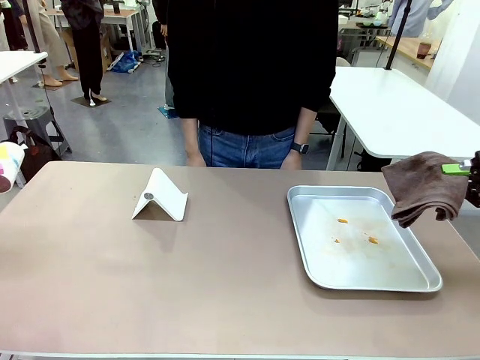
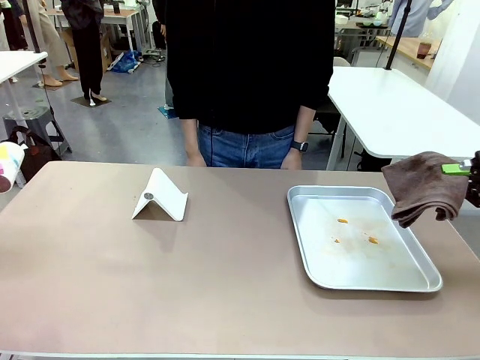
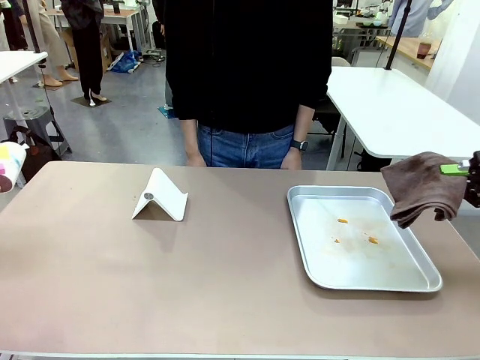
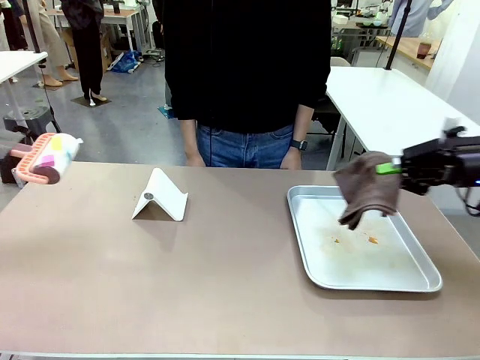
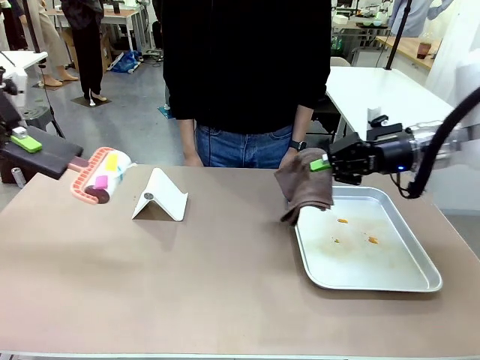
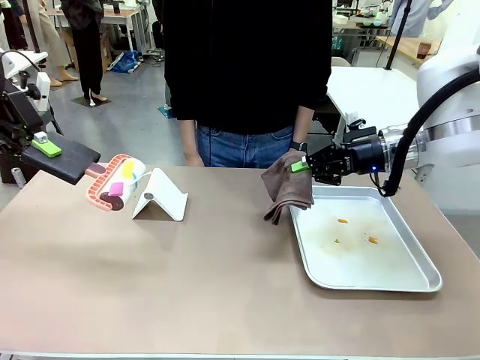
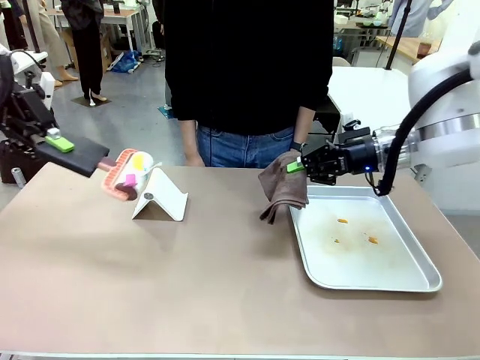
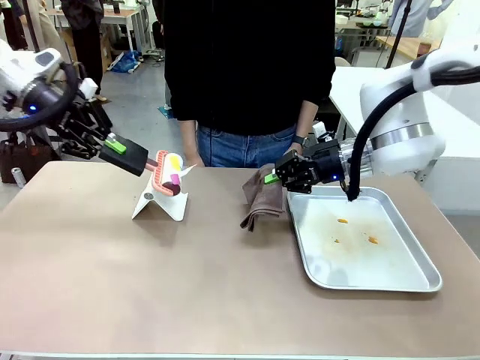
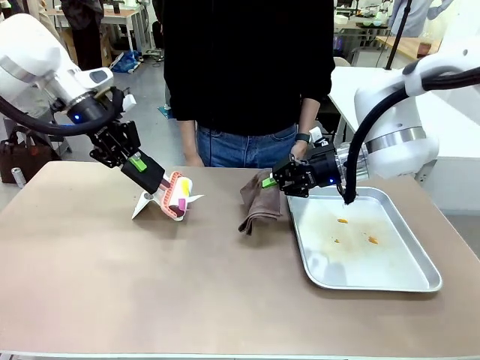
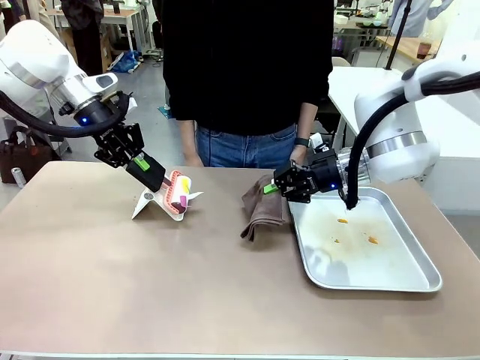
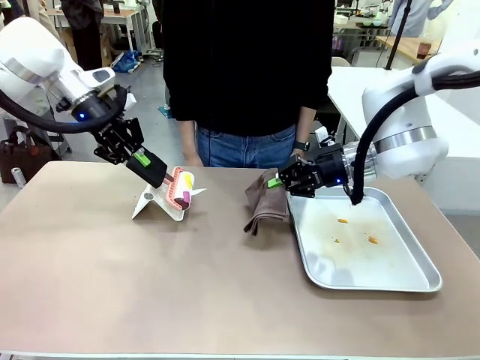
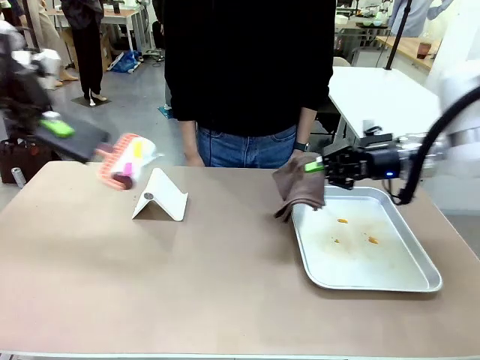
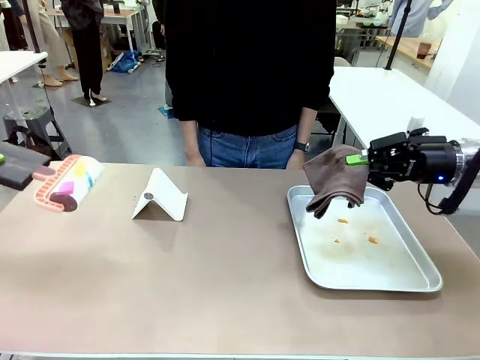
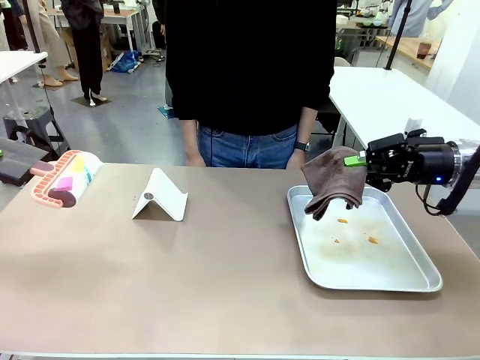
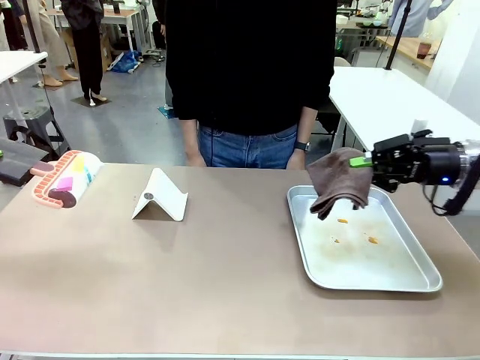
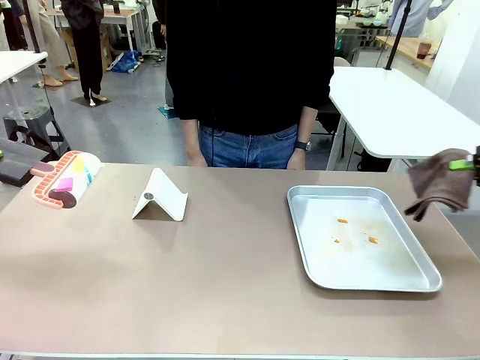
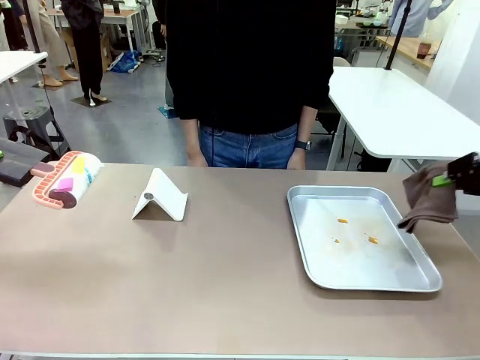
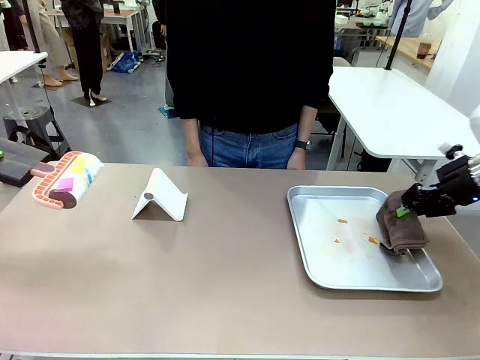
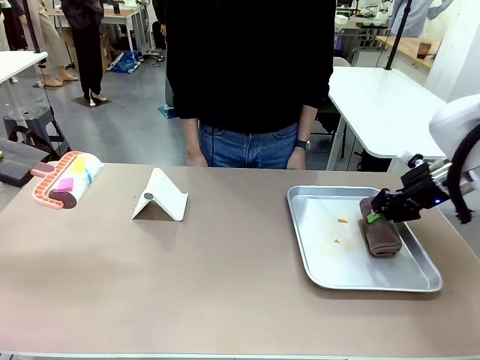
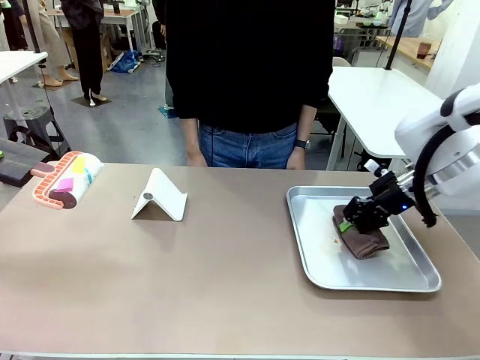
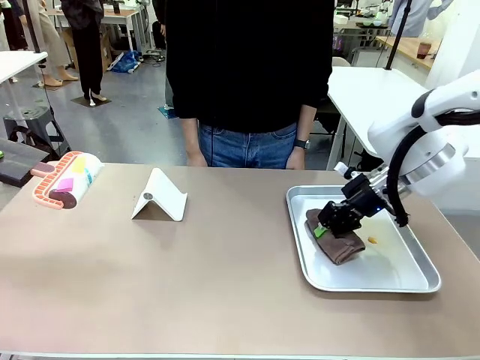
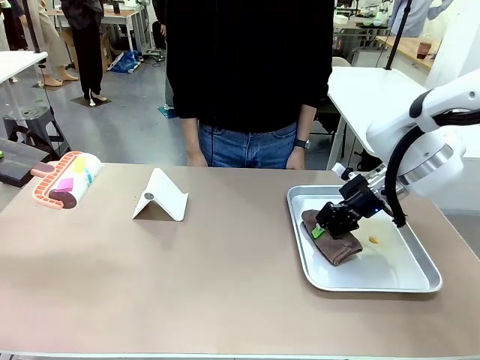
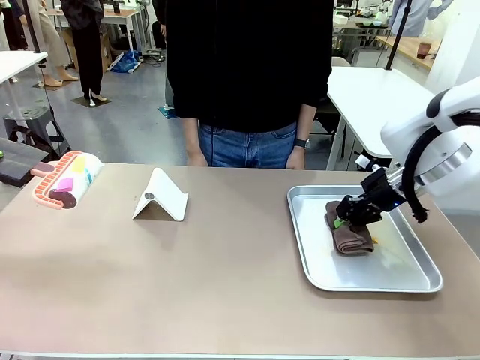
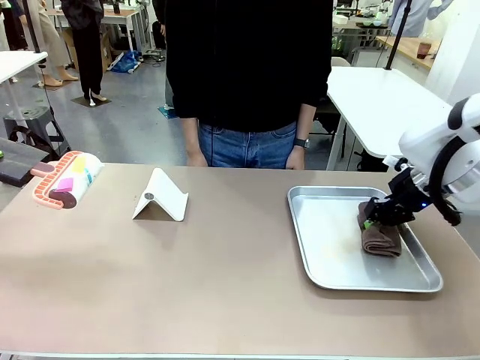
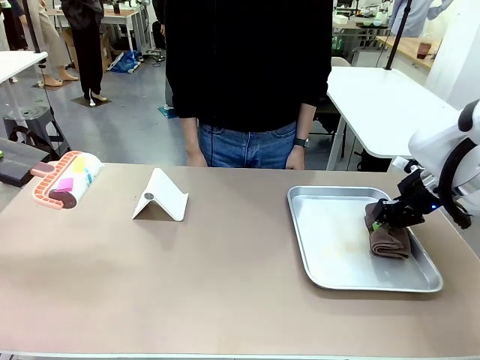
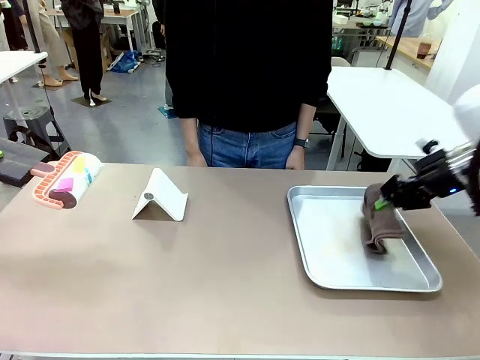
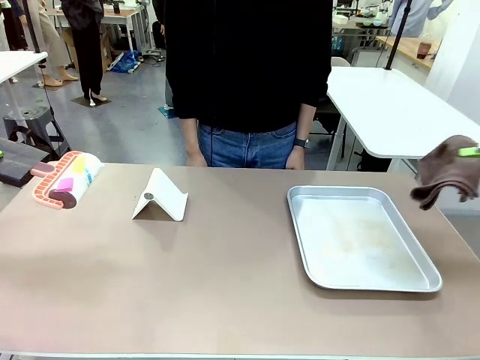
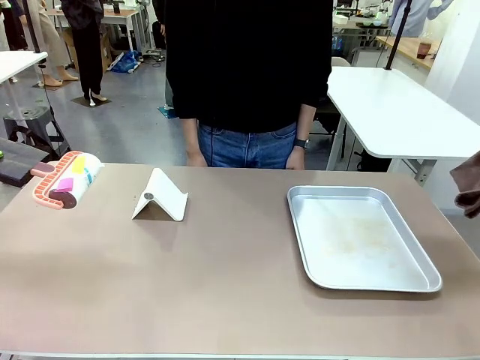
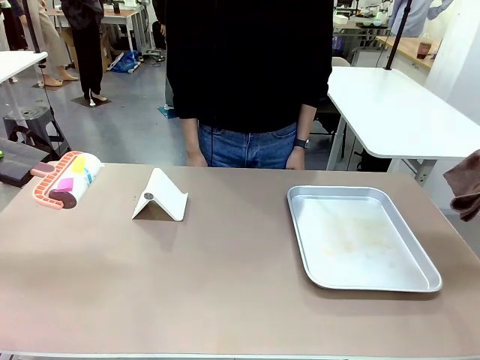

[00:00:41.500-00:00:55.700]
Task: Clean the surface of the table.
Robot: Clean the area not pointed to by the person.

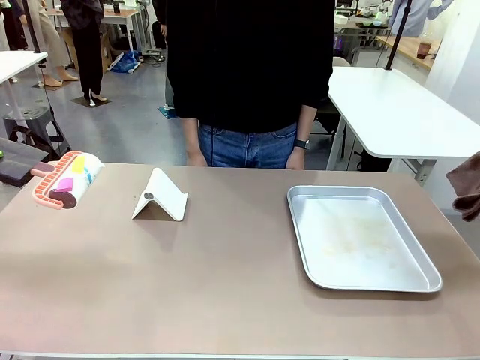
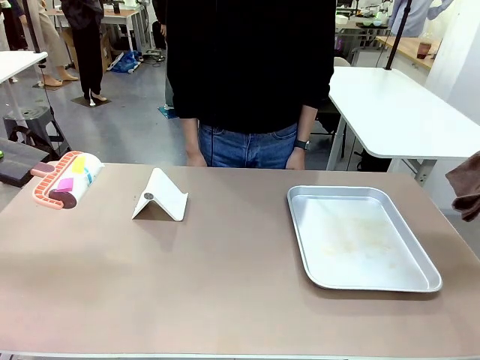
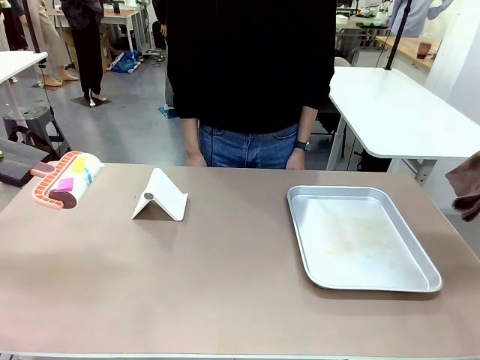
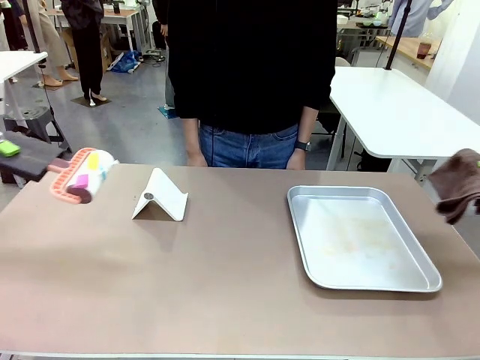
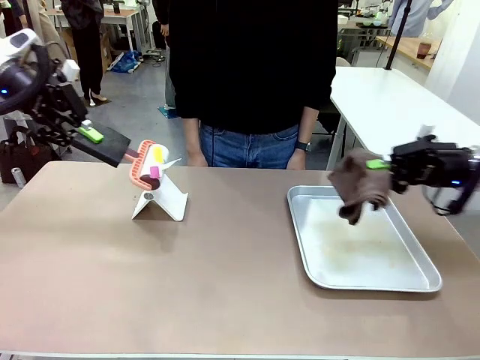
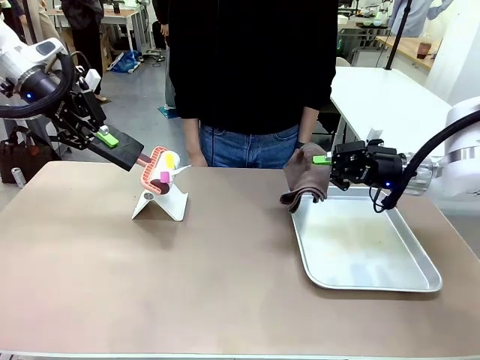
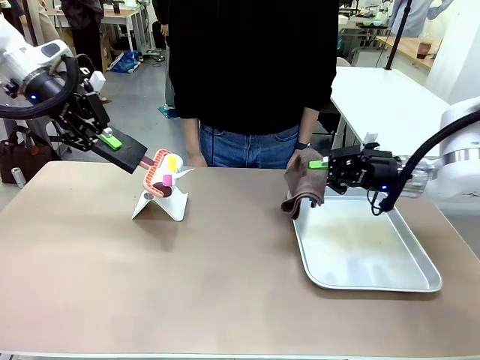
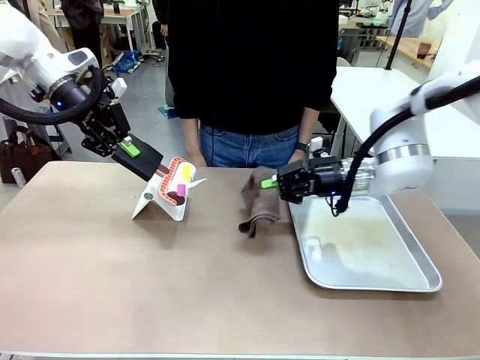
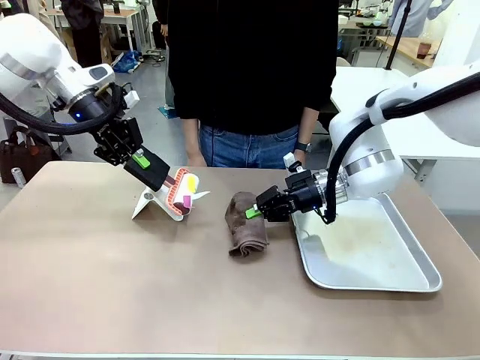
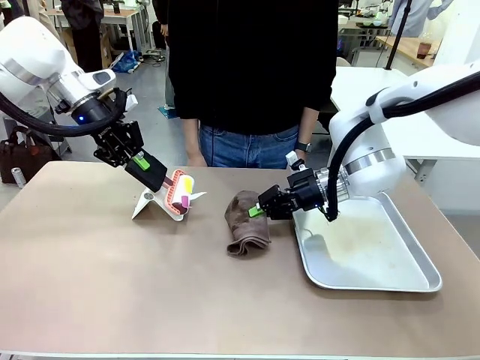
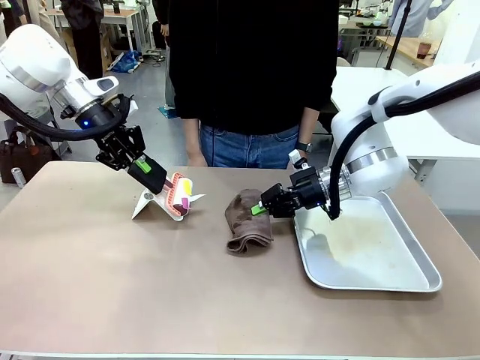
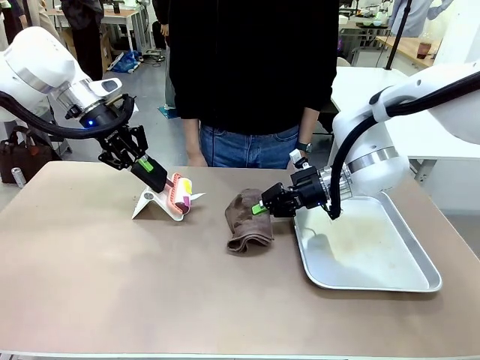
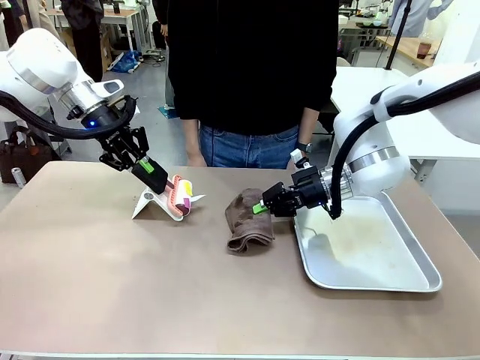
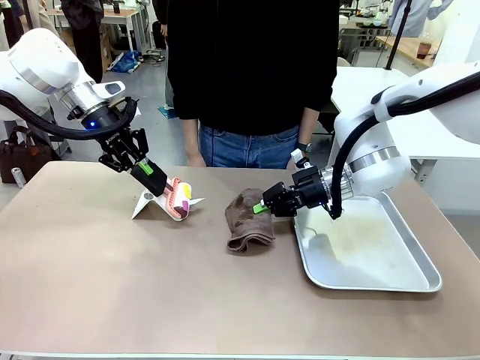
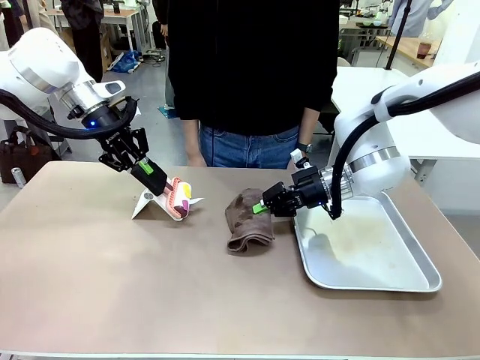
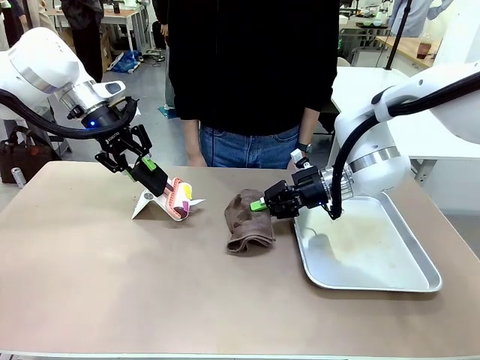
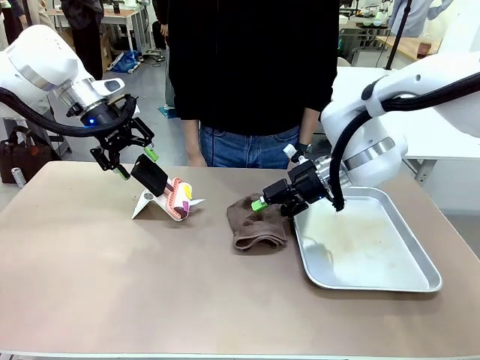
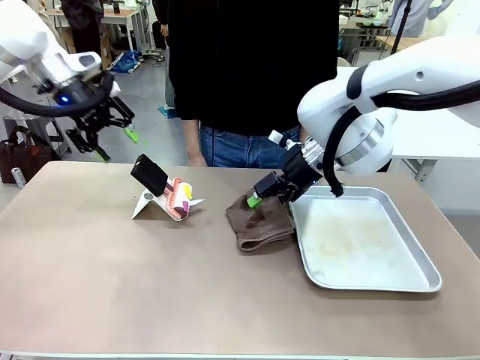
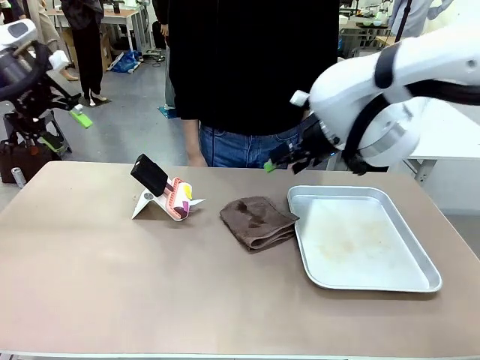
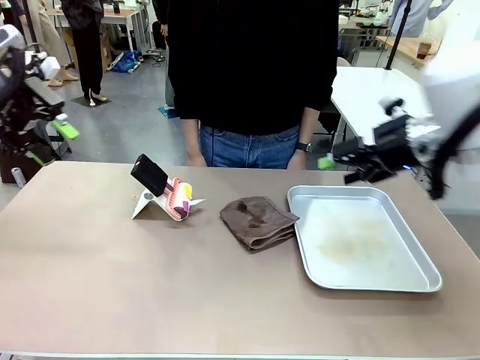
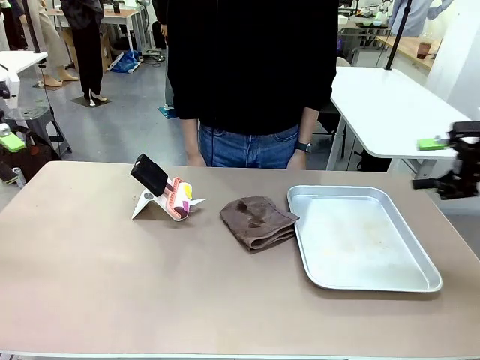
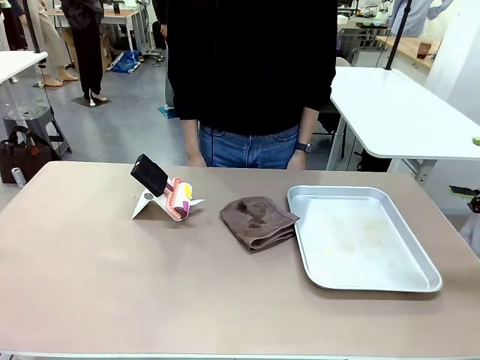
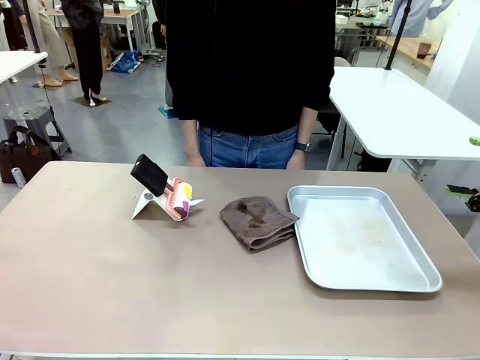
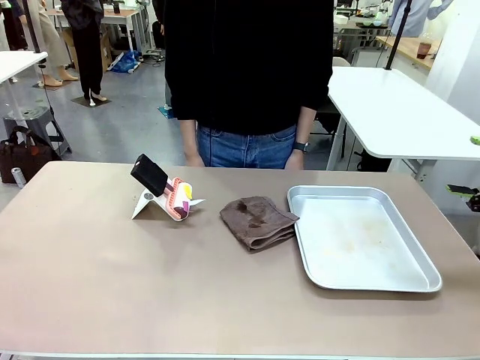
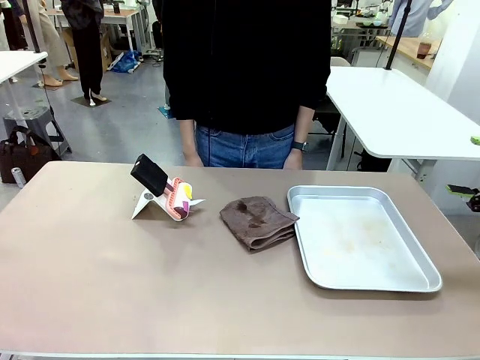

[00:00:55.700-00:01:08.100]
Robot: Return the Lint Roller and towel to their original positions.
